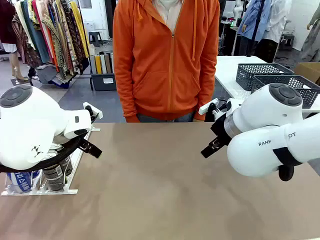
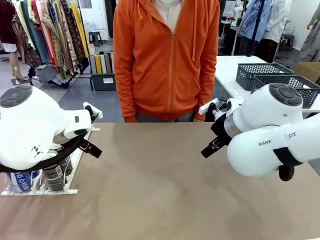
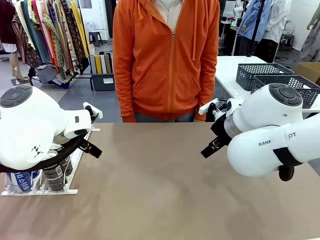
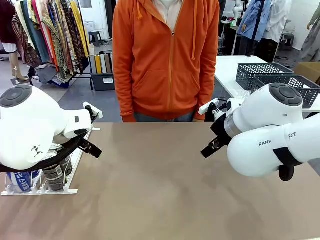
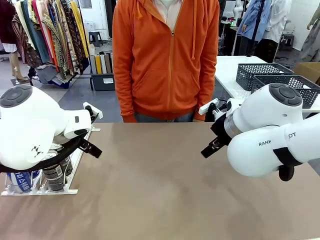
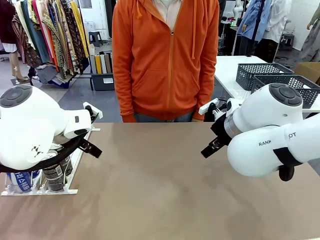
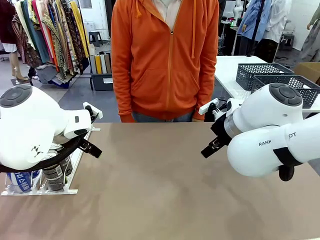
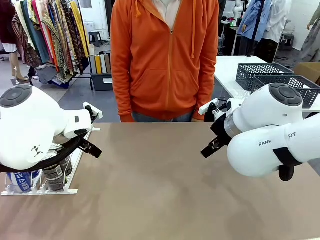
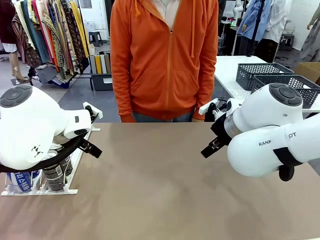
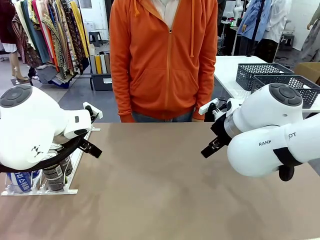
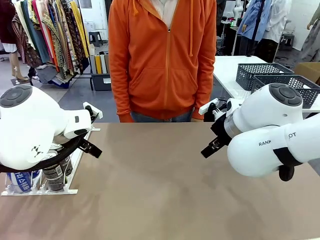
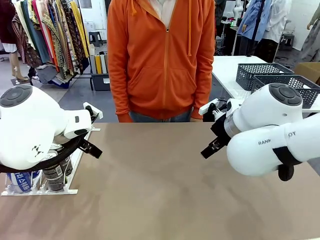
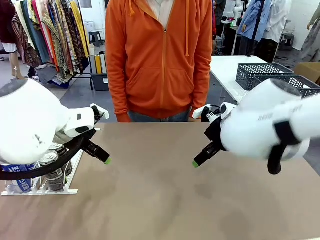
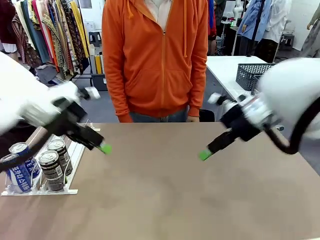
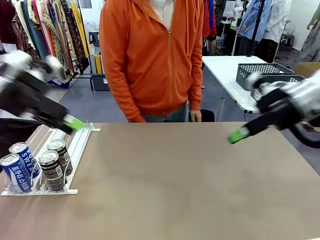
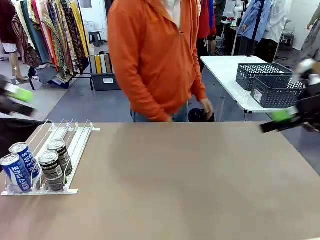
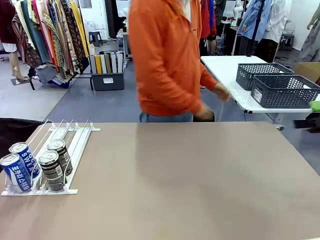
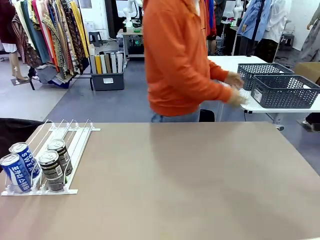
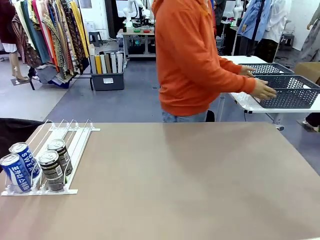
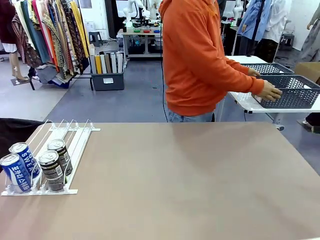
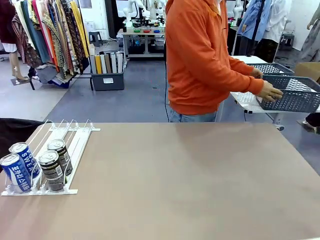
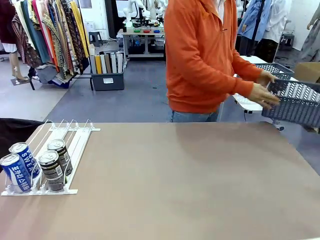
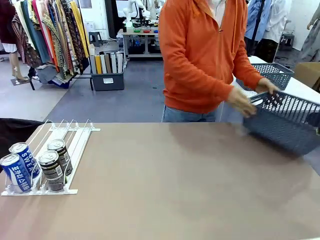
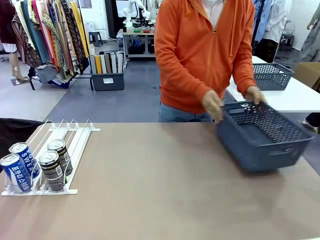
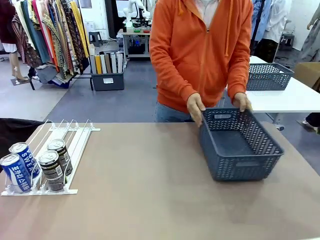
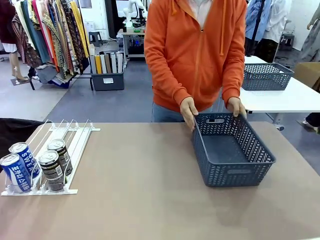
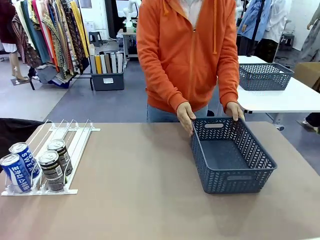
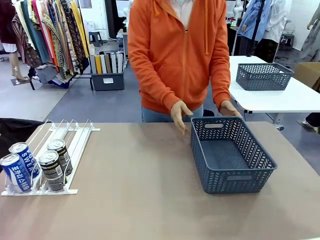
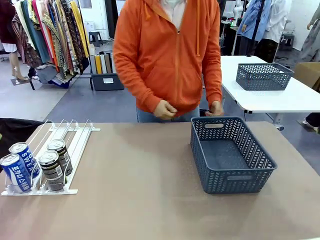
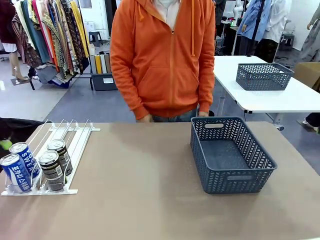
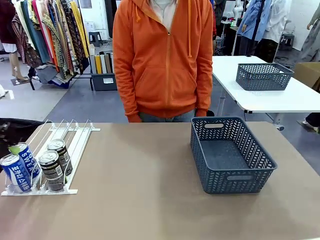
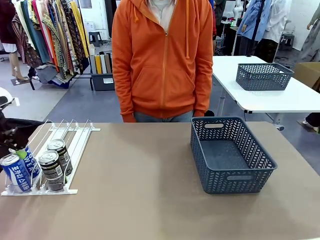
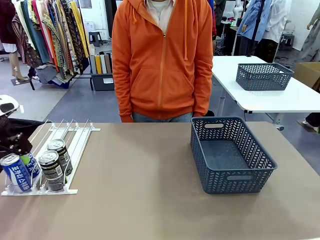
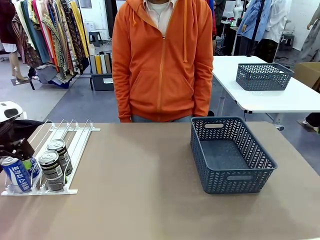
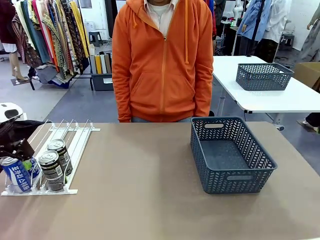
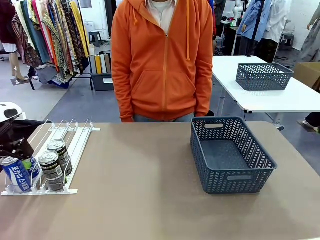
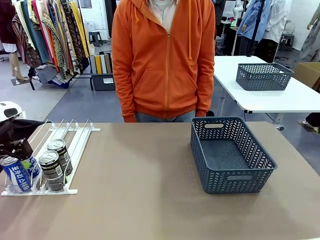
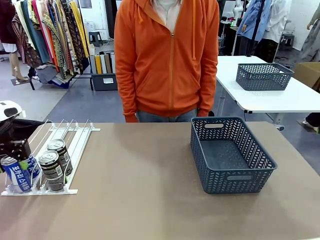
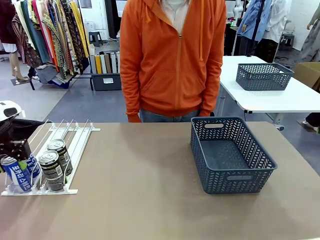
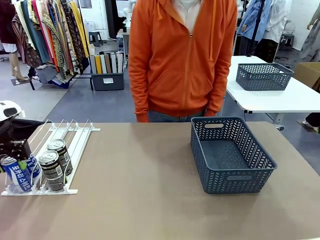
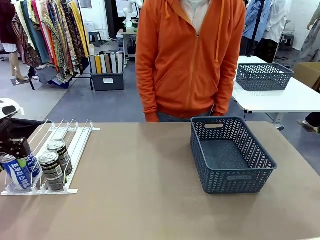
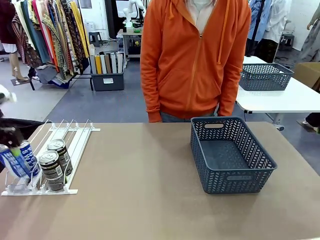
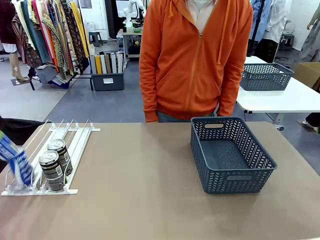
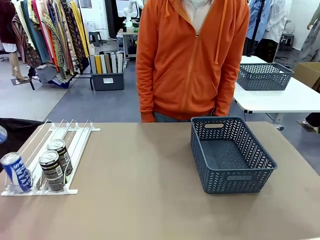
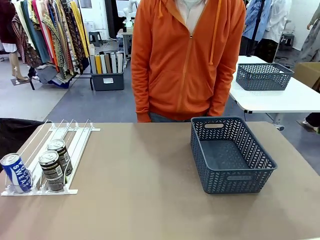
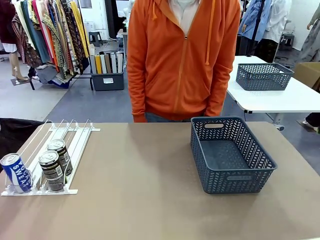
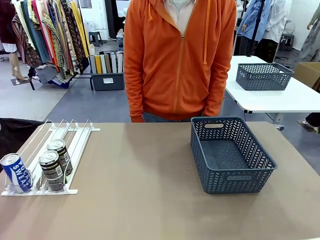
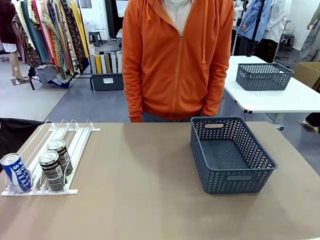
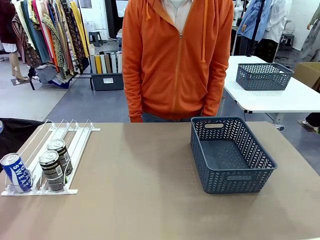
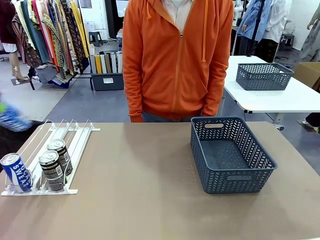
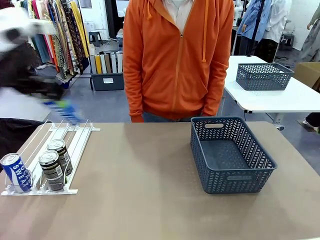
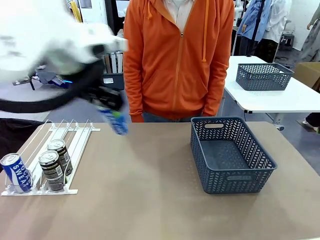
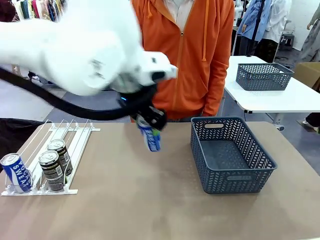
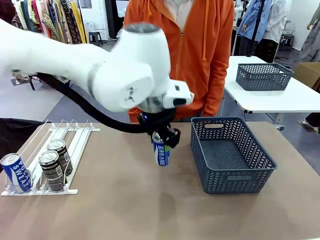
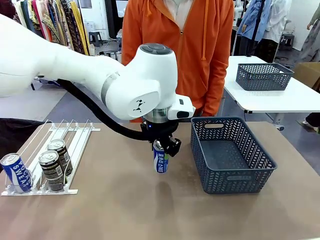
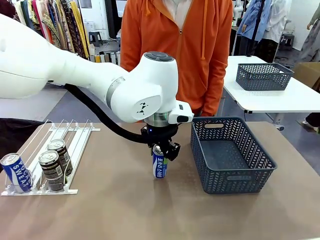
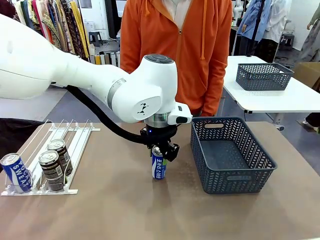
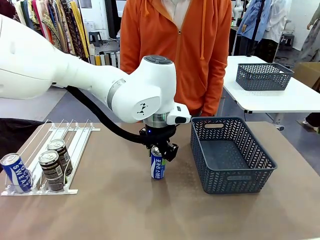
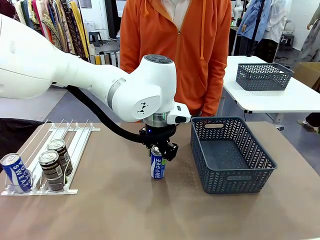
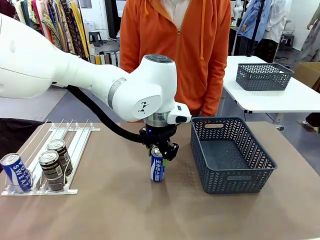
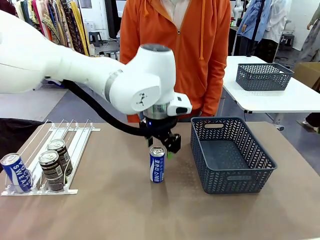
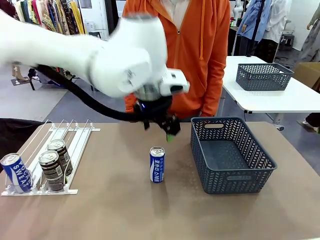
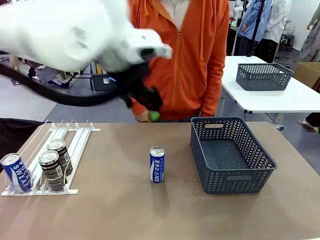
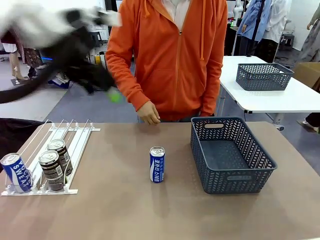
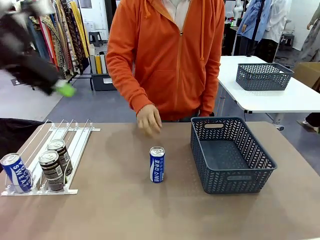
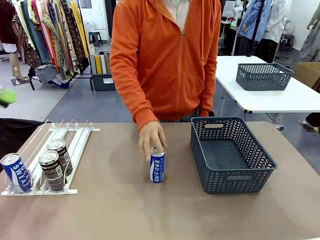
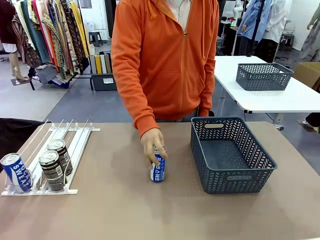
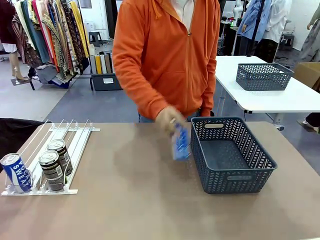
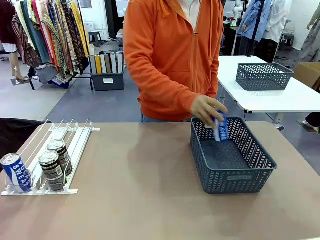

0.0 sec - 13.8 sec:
Task: Retrieve and store the cans from the dispenser.
Robot: Pick up one can from the Automatic Can Dispenser and place it in the middle of the table.
Person: Pick up the basket and place it on the left side of the robot table.

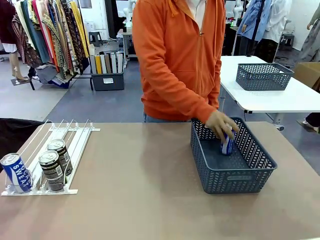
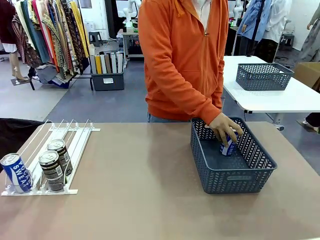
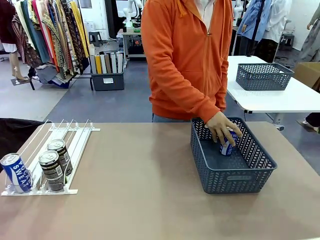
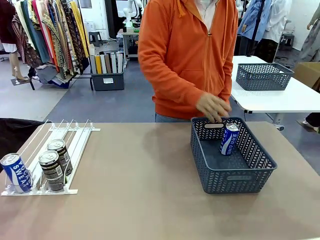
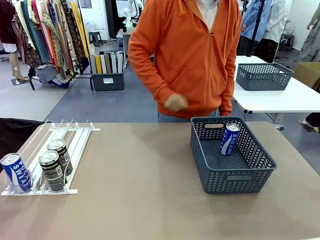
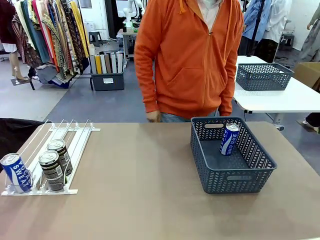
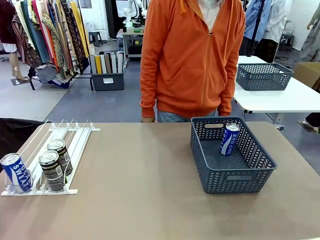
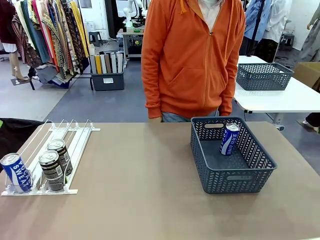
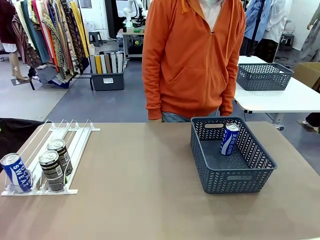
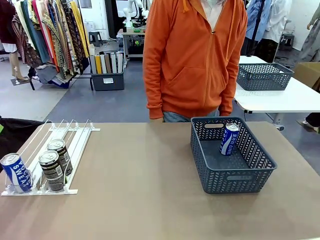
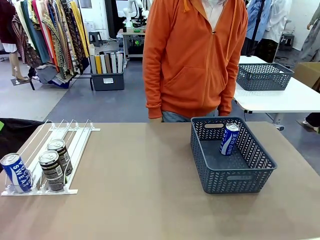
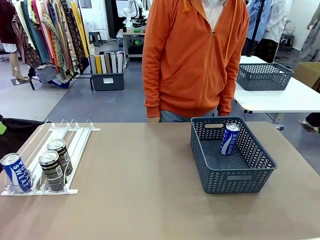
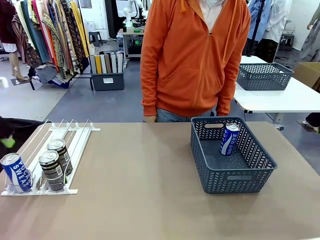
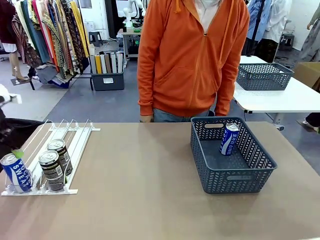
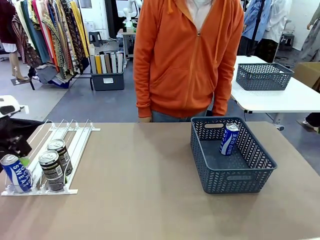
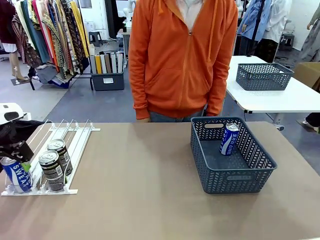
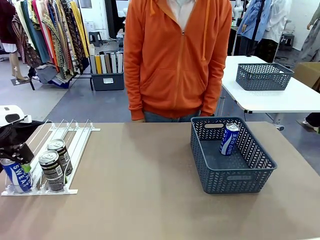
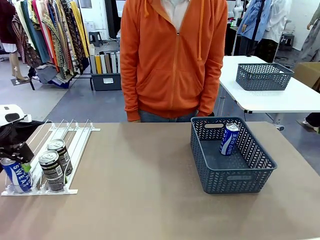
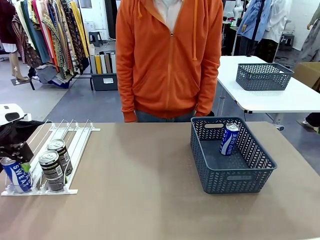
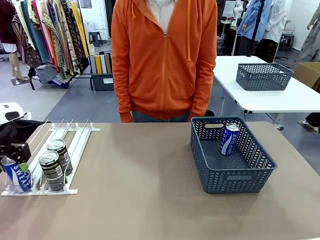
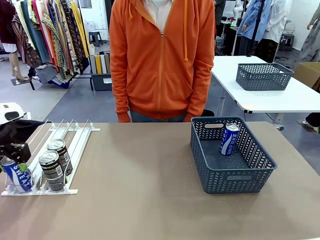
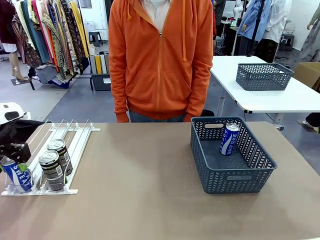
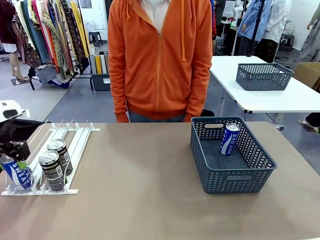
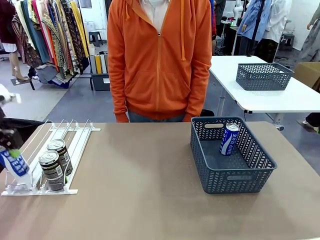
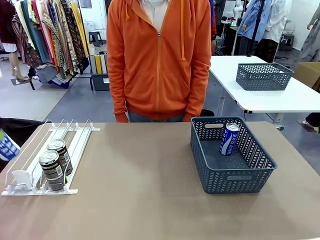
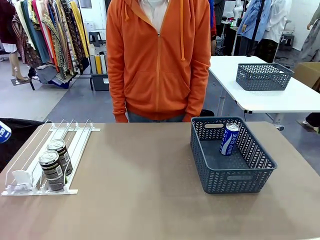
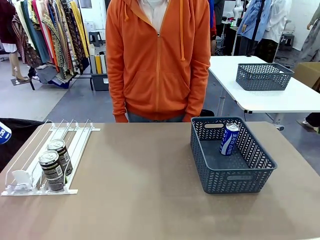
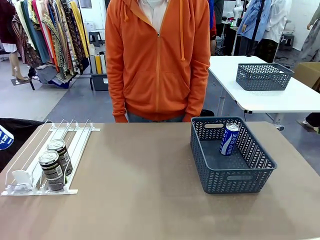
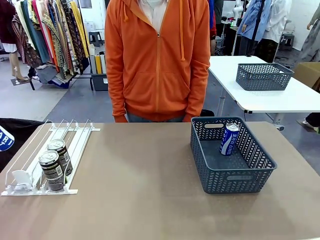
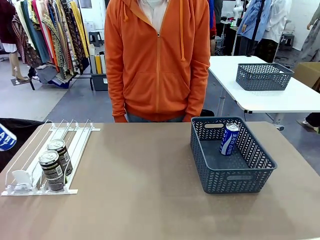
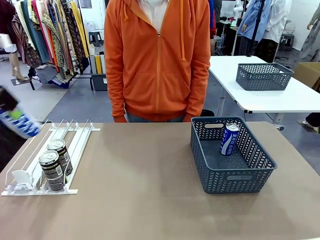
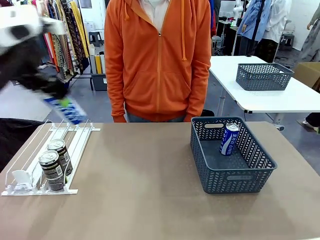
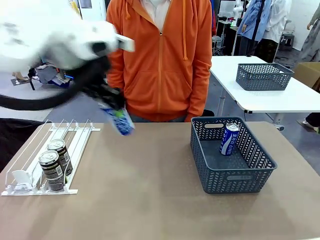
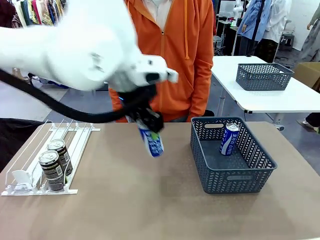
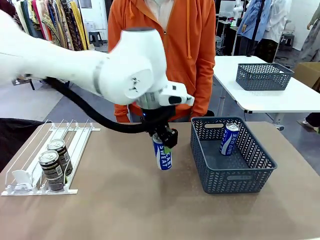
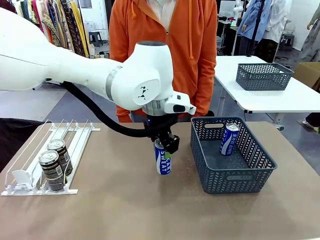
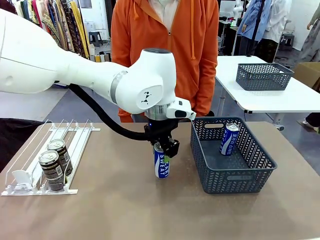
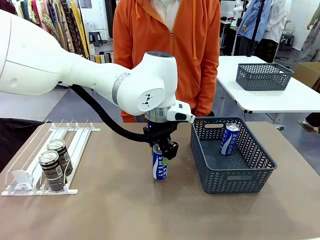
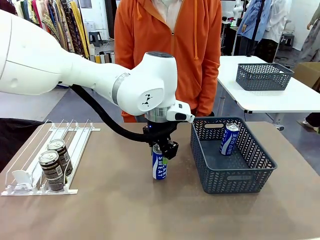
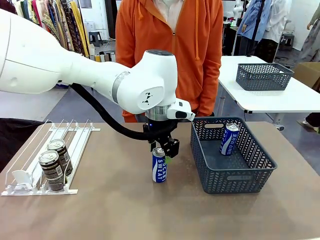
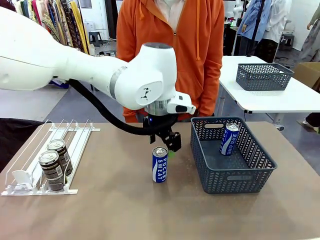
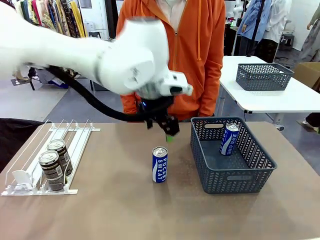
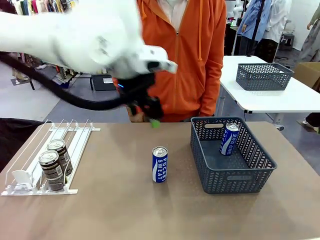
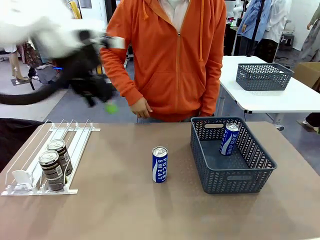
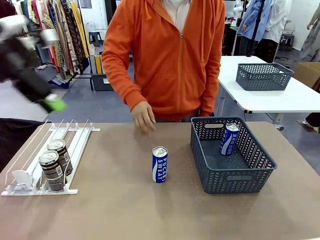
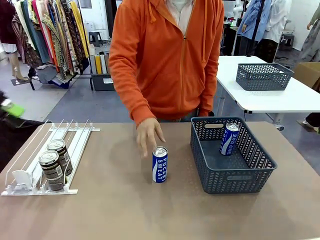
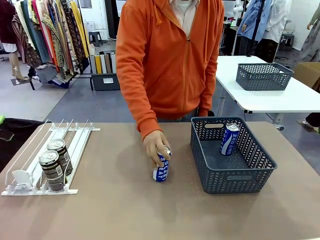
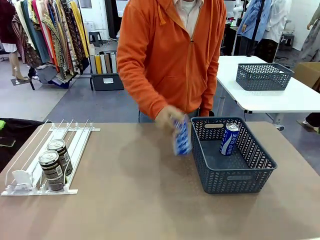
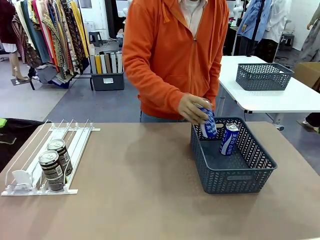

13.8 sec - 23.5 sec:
Robot: Pick up the last remaining can from one row of the Automatic Can Dispenser and place it in the middle of the table.
Person: Pick up one Pepsi can from the middle of the robot table and place it in the basket.
